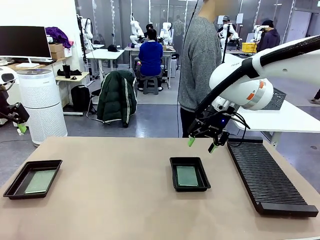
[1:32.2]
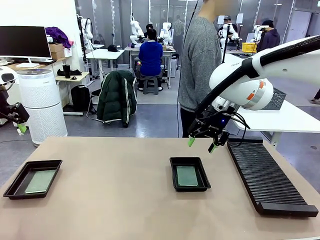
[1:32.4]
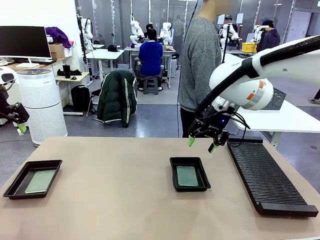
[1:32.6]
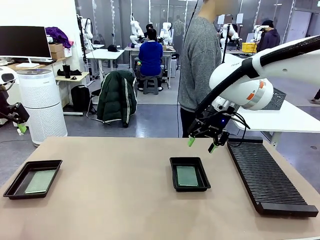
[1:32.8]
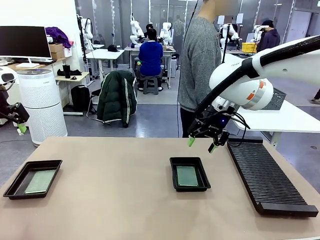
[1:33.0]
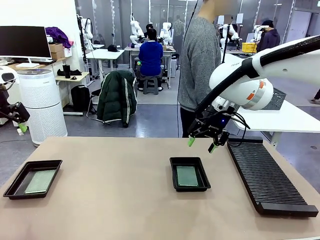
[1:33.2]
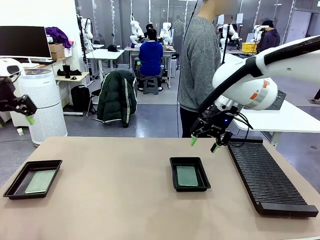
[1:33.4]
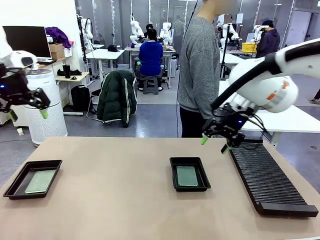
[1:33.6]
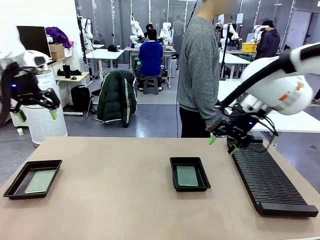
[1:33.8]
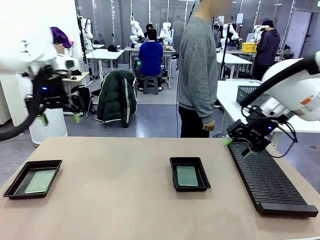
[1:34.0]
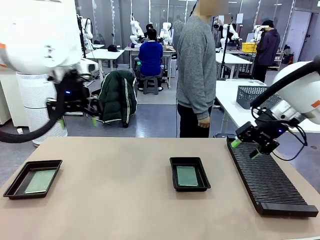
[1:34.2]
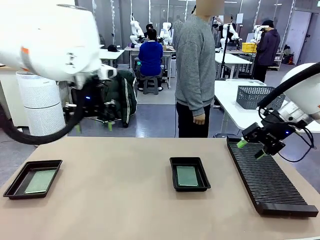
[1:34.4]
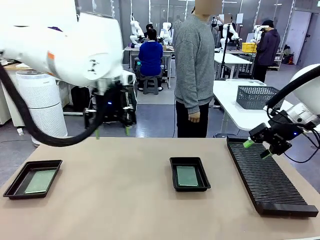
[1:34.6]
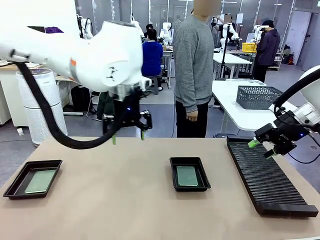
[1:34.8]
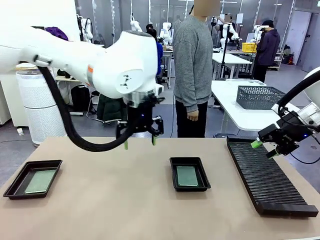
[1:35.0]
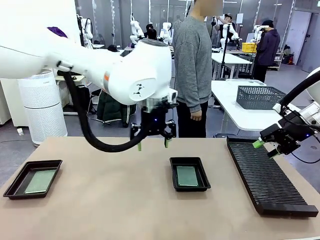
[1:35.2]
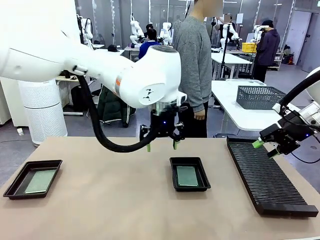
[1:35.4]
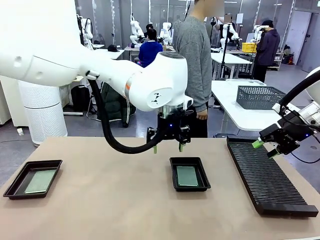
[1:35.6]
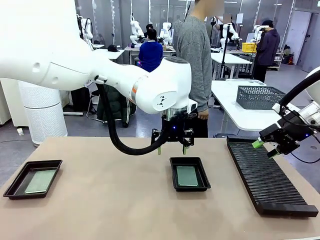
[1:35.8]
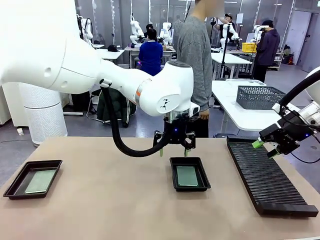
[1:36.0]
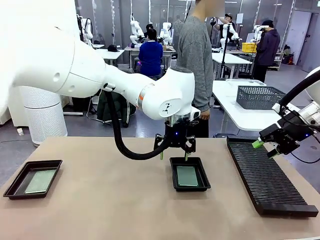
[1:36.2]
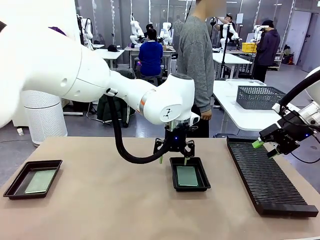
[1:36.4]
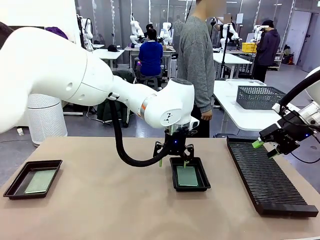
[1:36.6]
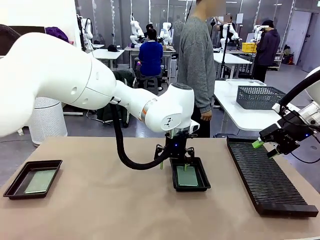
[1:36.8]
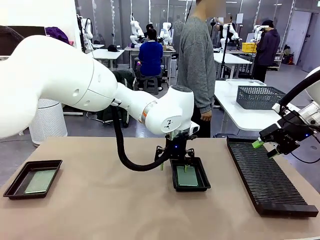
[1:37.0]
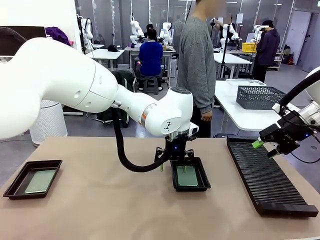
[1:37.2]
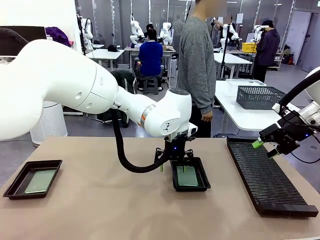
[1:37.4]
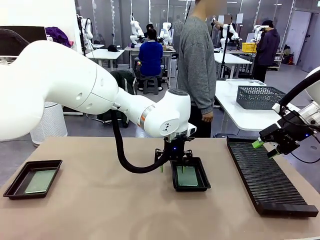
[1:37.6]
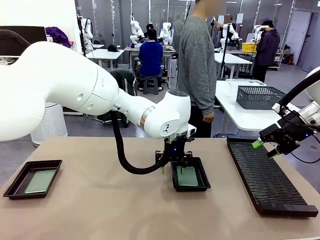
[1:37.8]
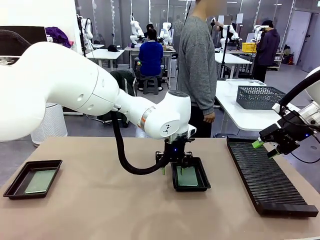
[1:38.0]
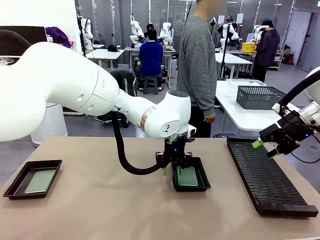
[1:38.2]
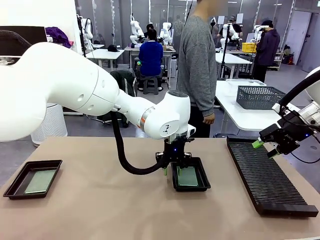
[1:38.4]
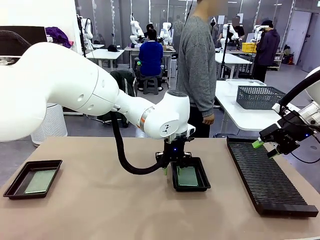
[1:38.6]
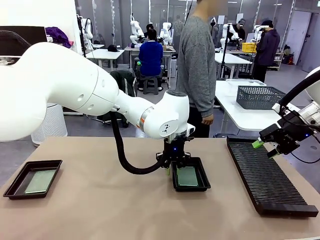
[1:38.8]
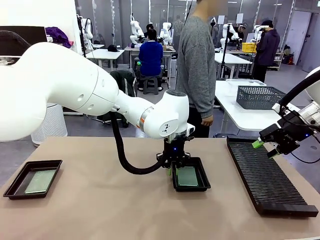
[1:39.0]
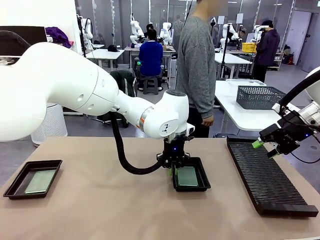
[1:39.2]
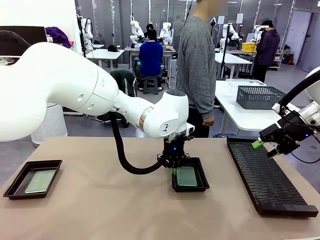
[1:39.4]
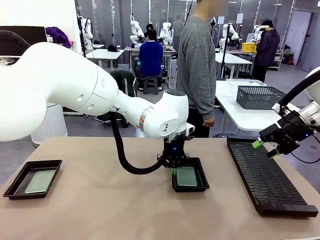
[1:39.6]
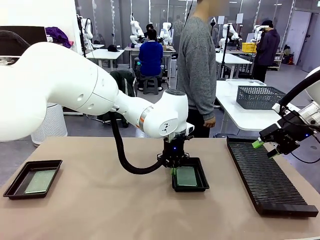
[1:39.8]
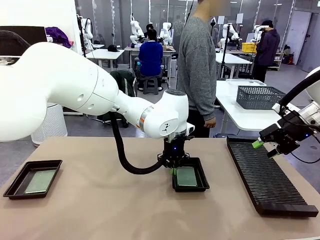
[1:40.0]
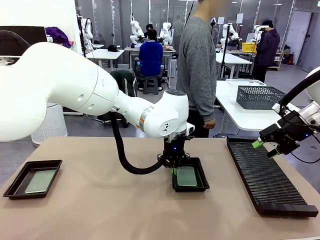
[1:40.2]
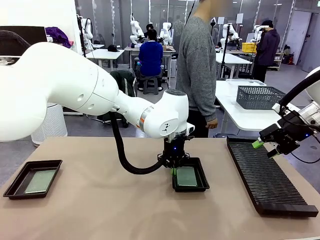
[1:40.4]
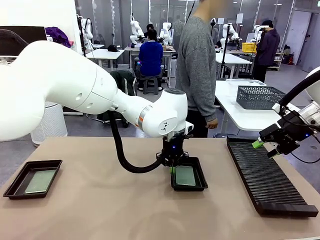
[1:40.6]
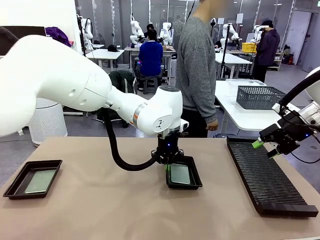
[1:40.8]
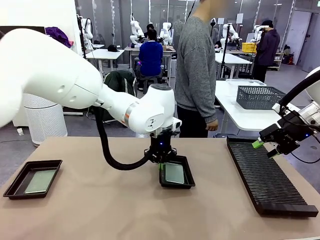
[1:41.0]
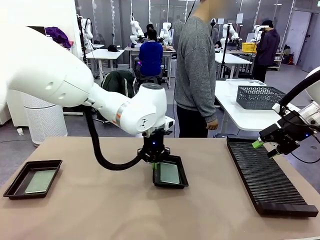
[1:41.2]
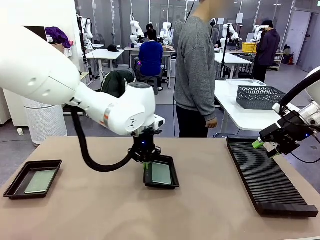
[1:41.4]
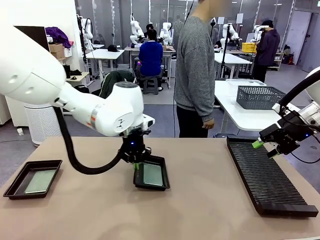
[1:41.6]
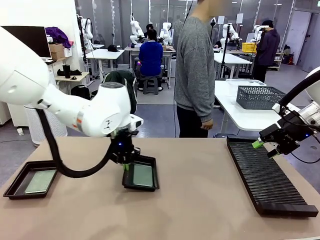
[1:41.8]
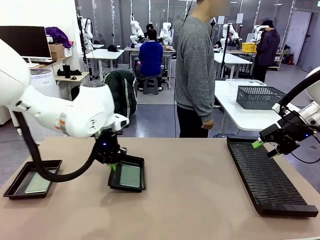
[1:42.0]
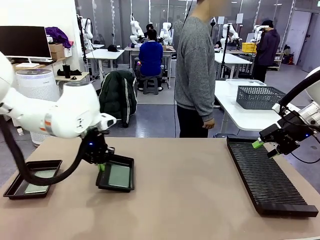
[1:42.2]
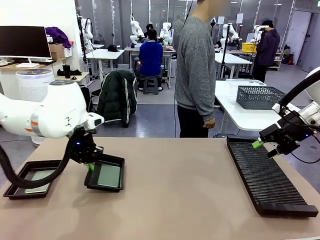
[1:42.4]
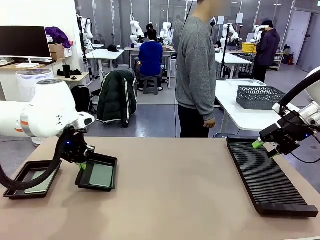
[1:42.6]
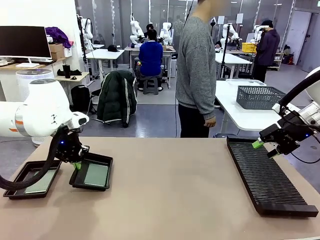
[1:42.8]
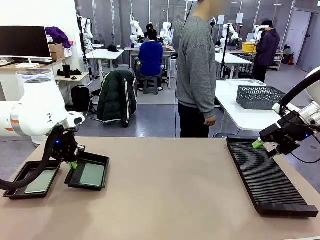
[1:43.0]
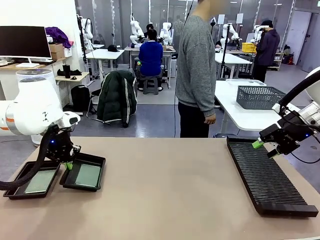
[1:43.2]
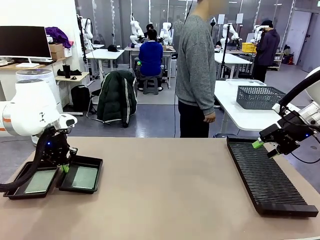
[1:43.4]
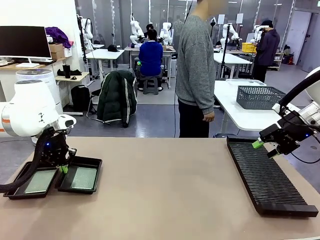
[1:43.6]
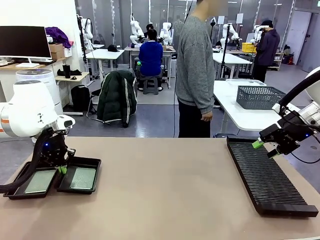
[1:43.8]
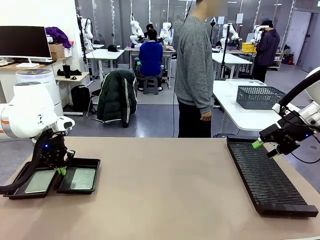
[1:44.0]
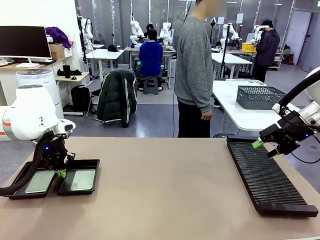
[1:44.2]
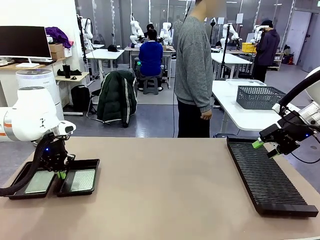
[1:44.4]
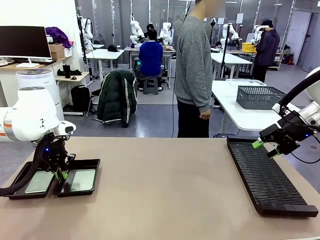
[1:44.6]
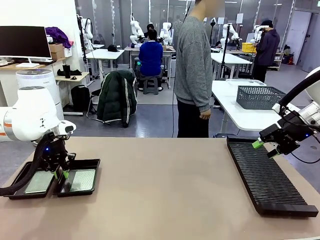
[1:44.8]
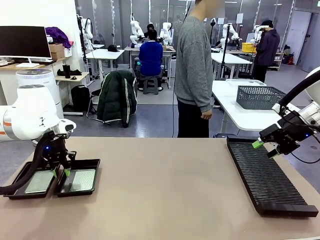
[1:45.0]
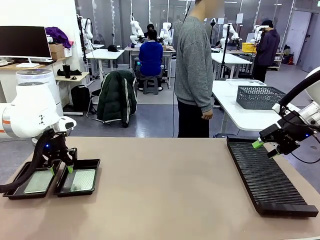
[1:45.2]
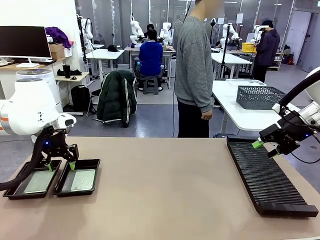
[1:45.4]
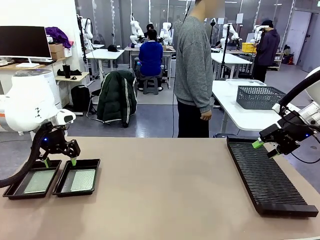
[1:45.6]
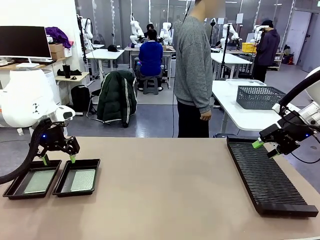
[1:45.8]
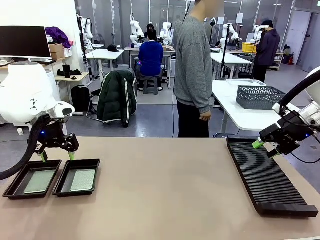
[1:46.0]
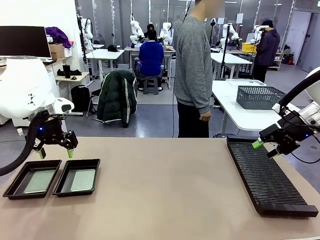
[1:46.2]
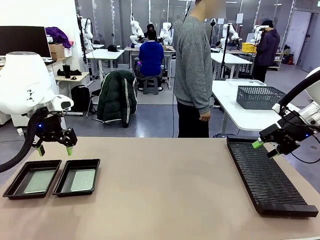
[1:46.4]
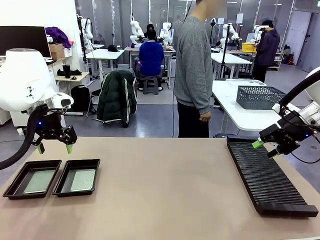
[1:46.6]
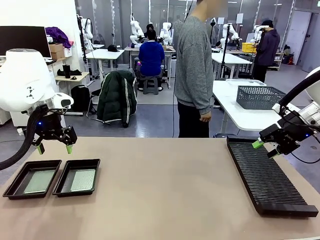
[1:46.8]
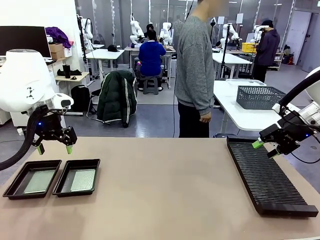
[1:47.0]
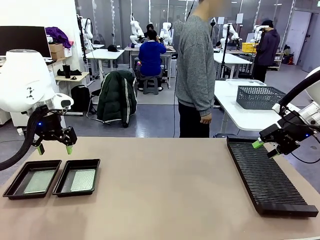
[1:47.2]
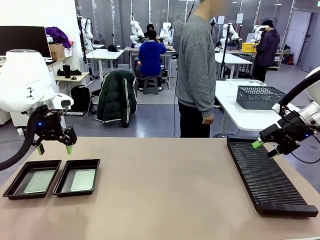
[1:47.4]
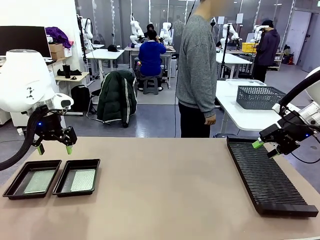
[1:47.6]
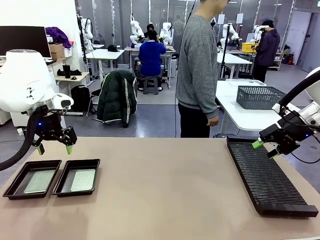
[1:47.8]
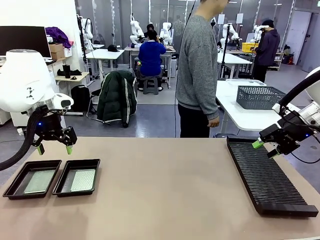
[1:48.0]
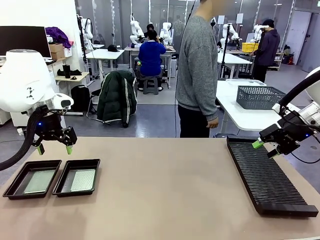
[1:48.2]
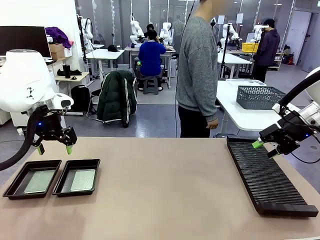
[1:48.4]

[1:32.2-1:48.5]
Task: Inspect and transfer BCBs to ESD trays.
Robot: Pick up the ESD tray and place it on the left side of the table.
